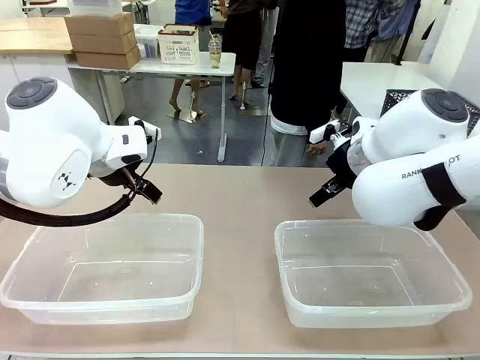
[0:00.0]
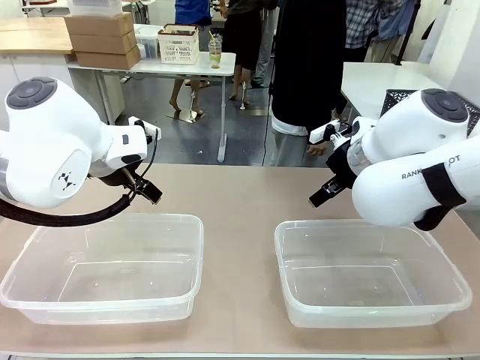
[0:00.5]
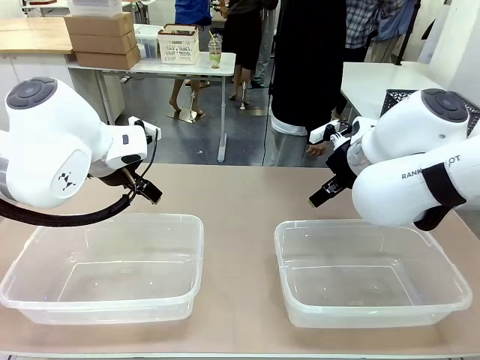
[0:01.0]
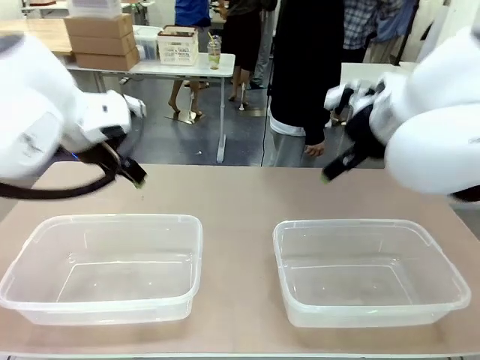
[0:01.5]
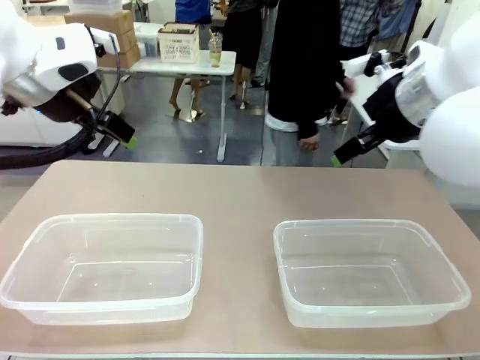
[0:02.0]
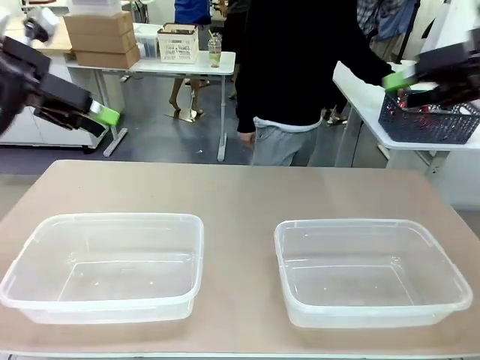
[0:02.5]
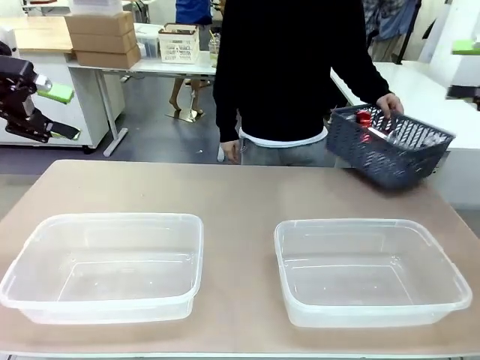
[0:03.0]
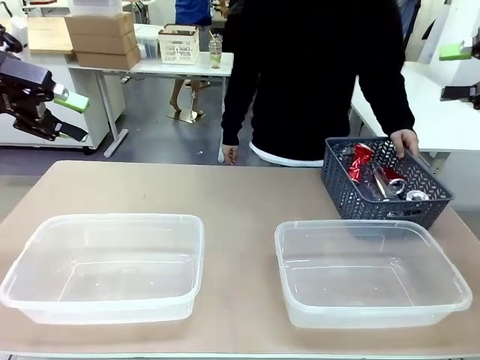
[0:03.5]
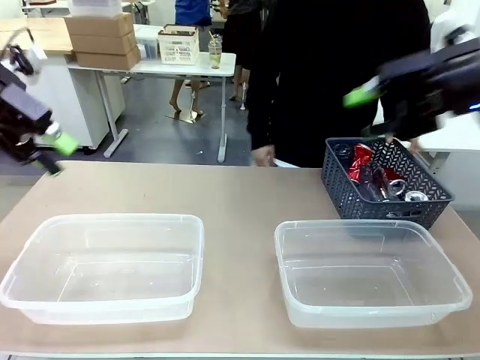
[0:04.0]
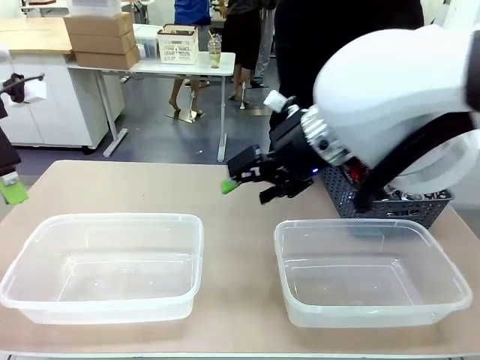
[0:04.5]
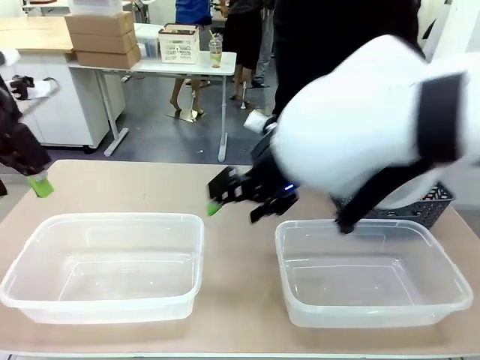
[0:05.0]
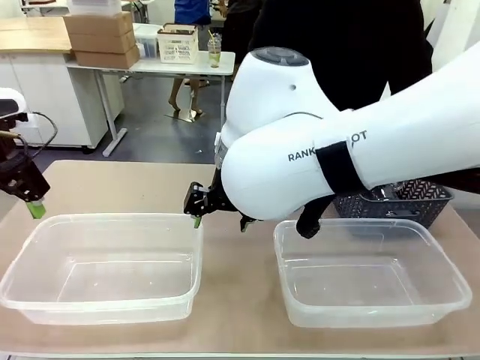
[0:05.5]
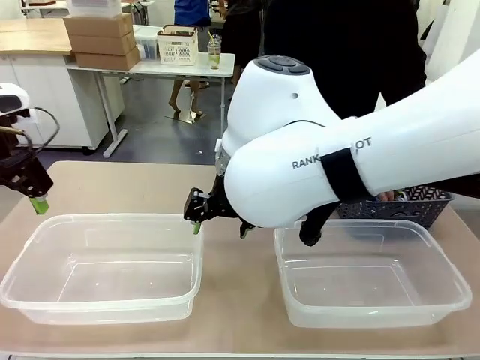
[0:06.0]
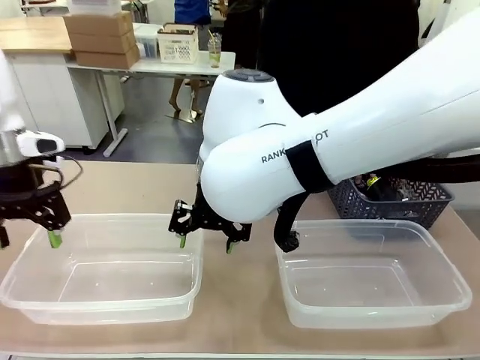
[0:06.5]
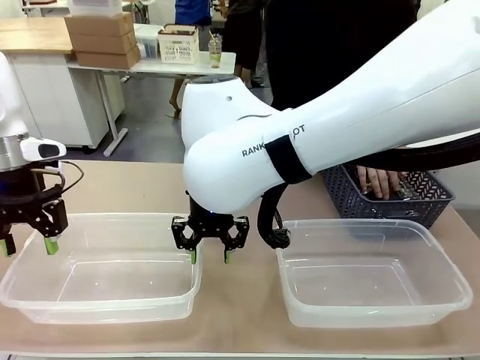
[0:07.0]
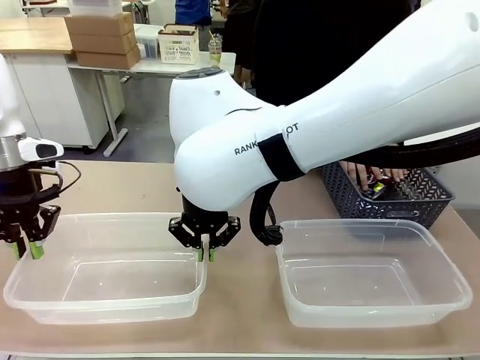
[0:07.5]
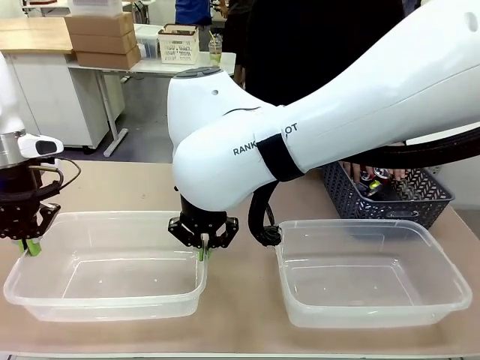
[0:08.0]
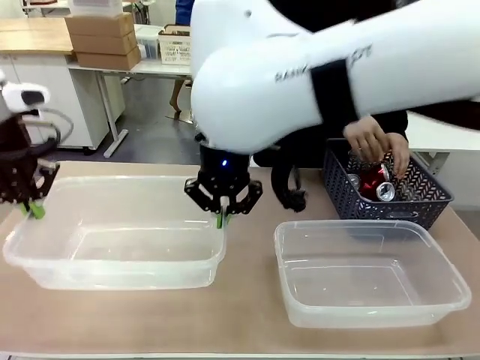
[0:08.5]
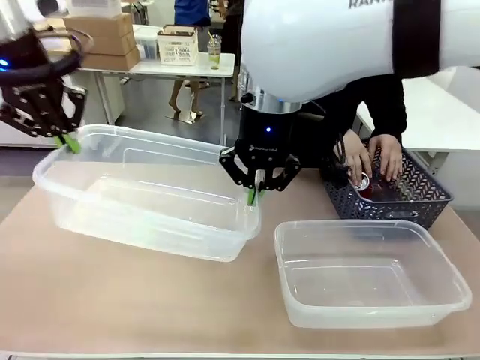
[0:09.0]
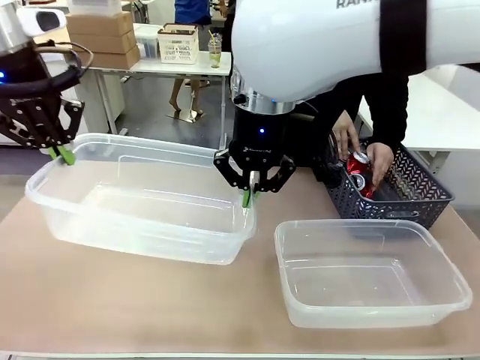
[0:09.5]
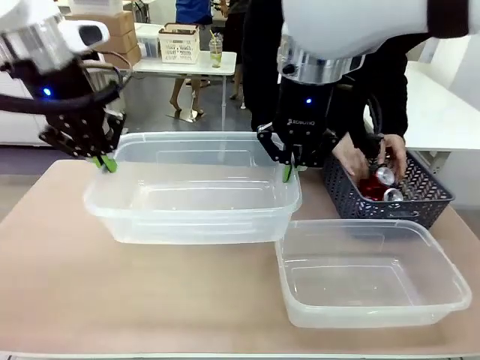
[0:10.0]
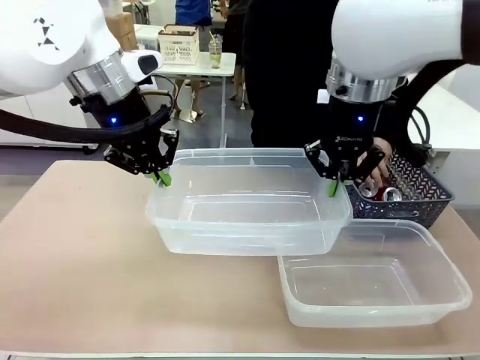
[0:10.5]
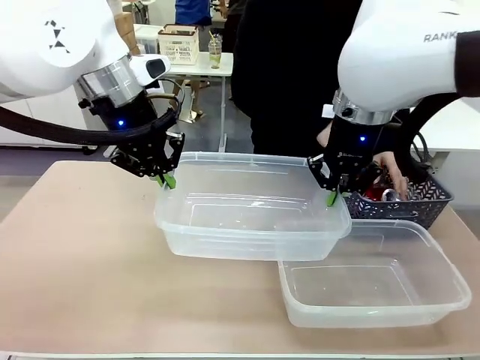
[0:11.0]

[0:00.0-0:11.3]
Robot: Pick up the Organizing box on the left side of the table and lift it.
Person: Pick up the storage basket and place it on the left side of the robot table. Pick up can-shaped waste one by one and place it into the organizing box lifted by the robot.

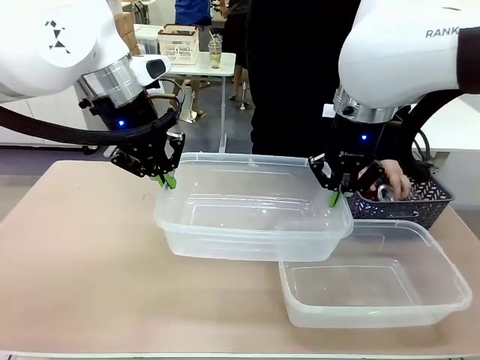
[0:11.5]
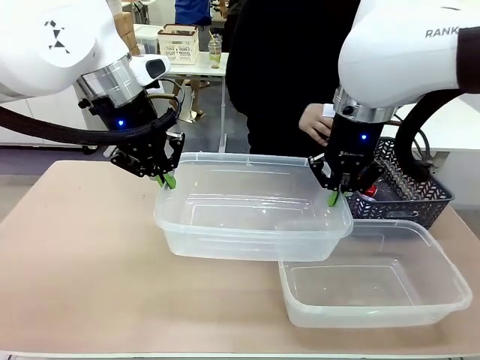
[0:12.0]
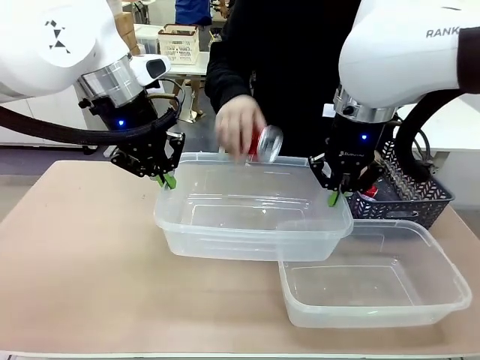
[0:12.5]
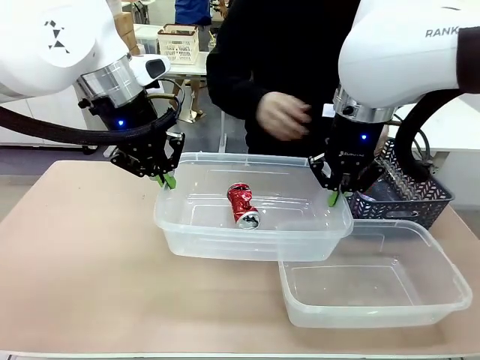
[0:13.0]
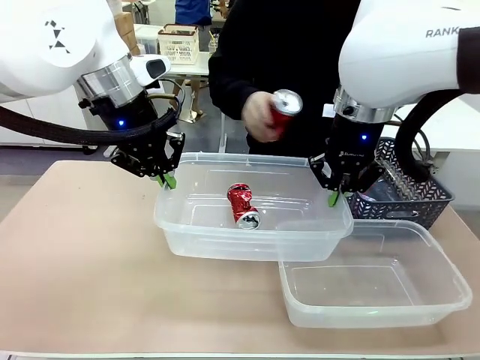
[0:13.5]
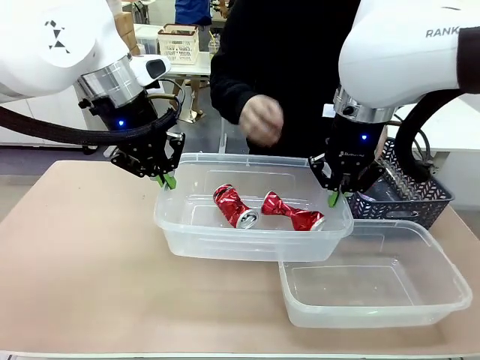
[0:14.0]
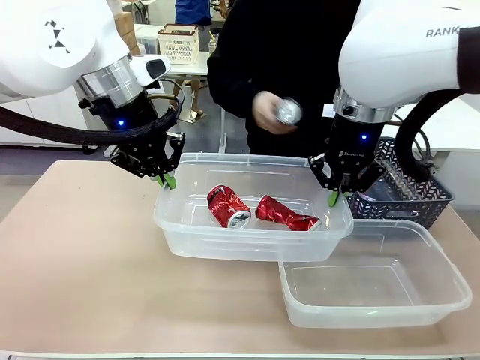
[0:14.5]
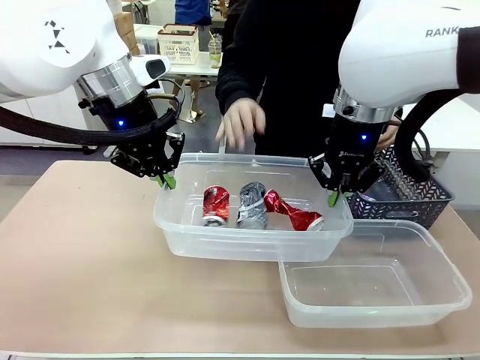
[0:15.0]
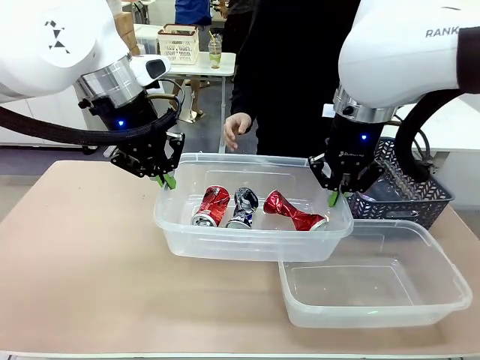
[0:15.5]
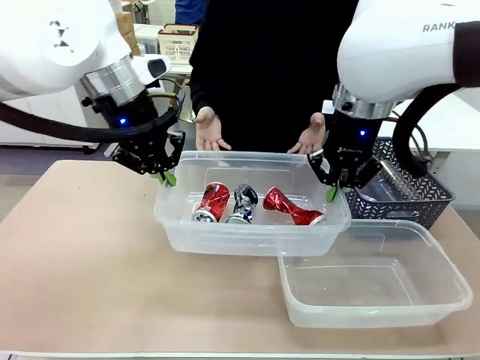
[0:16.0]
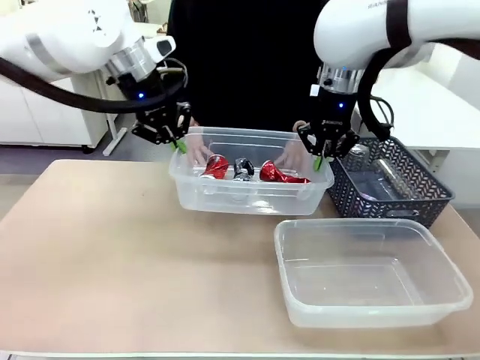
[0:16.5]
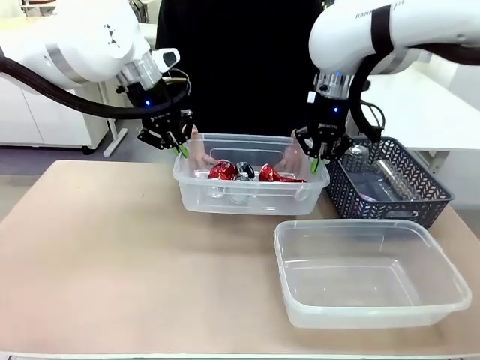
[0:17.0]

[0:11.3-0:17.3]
Robot: Offer the picked Organizing box to the human.

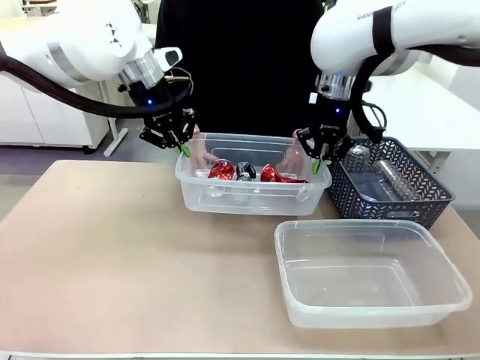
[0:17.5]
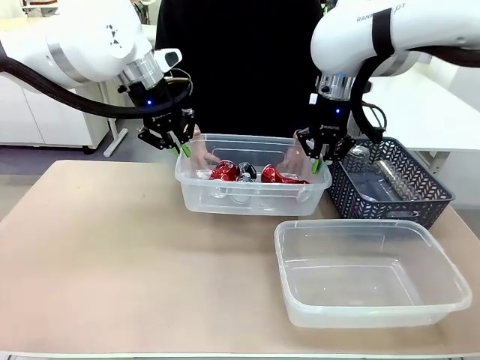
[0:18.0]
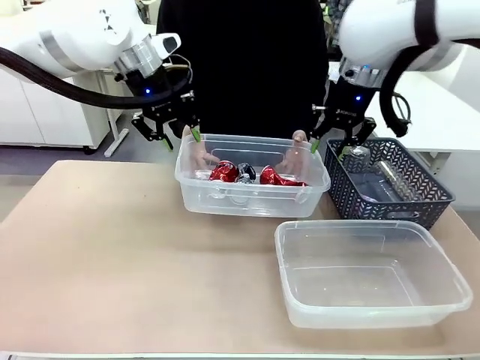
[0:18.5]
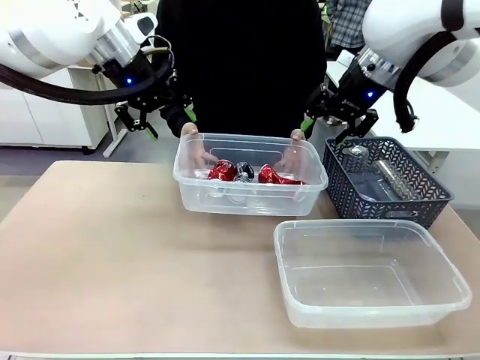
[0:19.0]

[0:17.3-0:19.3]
Robot: Release the Organizing box you were holding.

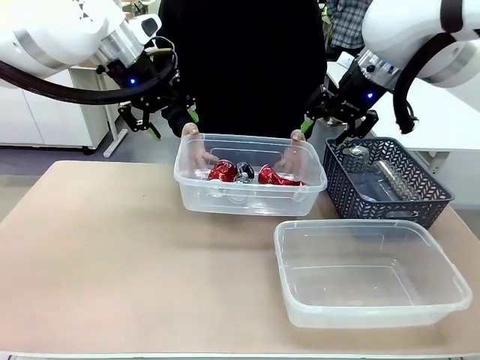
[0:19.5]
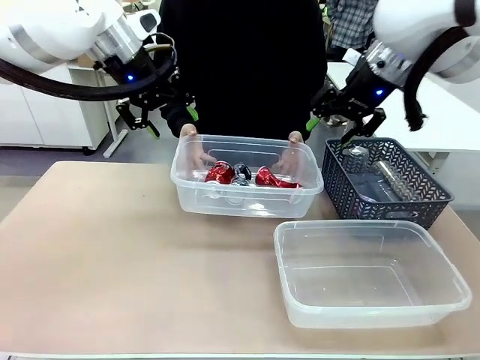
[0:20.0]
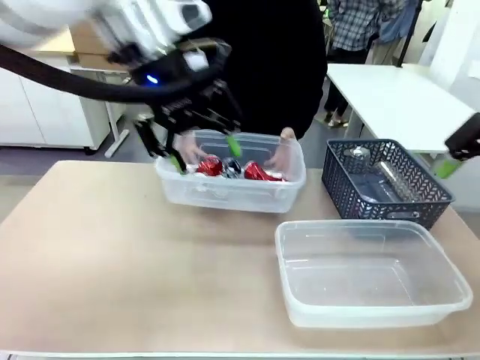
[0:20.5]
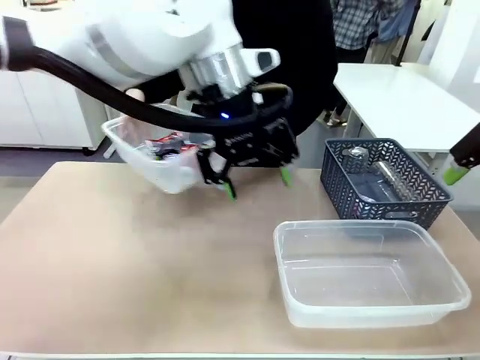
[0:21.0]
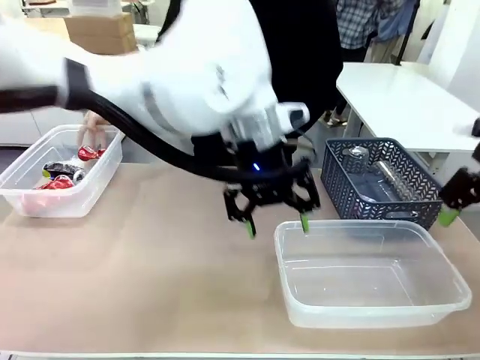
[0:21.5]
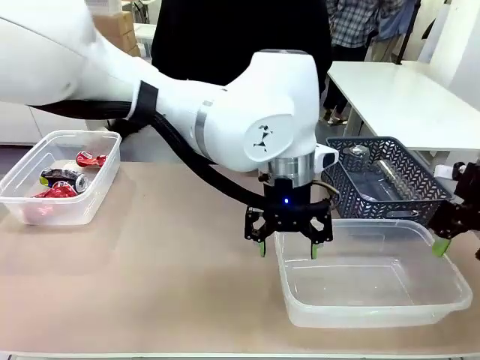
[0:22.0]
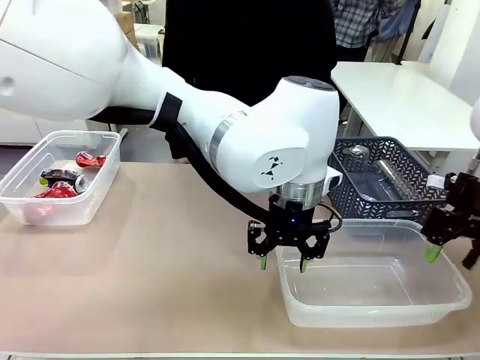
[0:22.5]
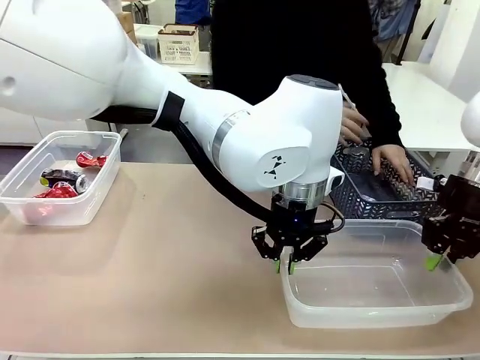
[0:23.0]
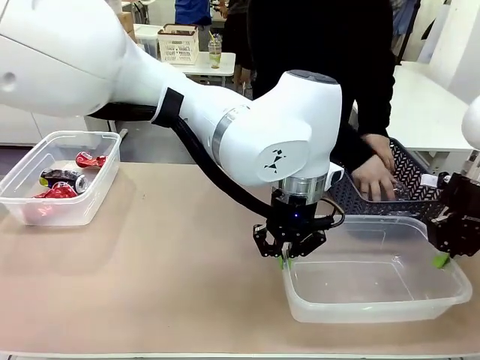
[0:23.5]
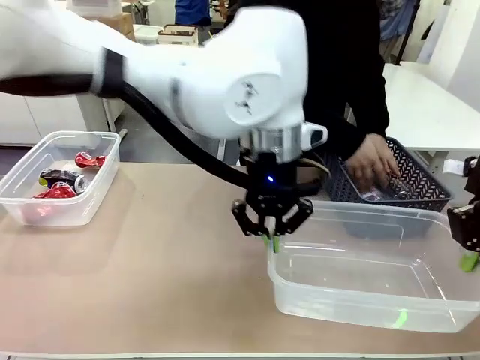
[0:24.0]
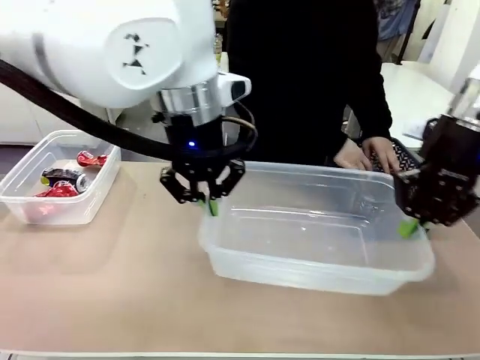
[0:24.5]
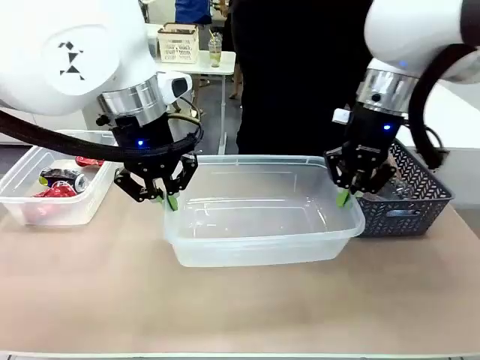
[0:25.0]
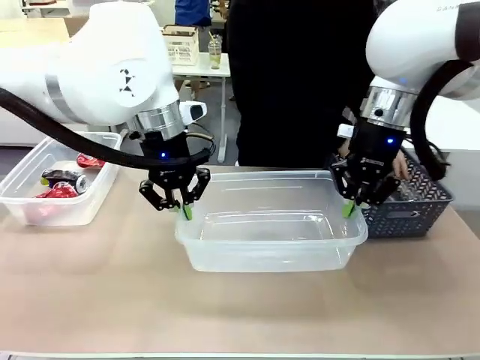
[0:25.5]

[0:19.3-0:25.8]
Robot: Pick up the Organizing box on the right side of the table and lift it.
Person: Place it at the edge of the bottom right area of the robot table.
